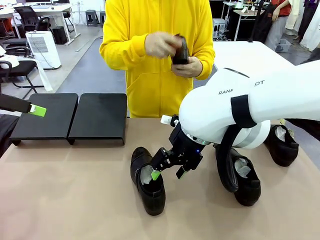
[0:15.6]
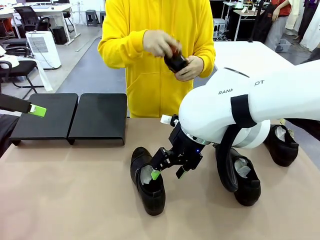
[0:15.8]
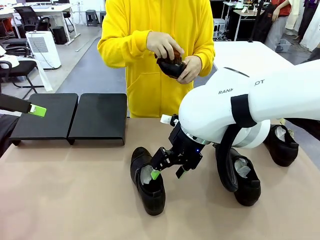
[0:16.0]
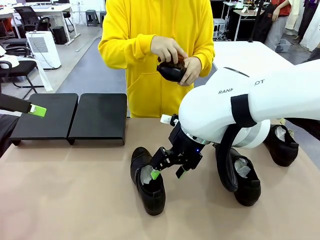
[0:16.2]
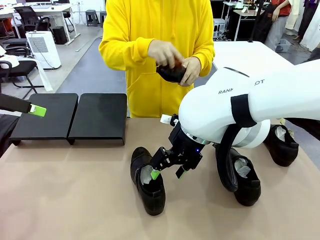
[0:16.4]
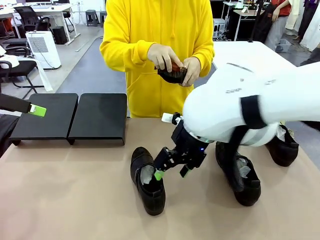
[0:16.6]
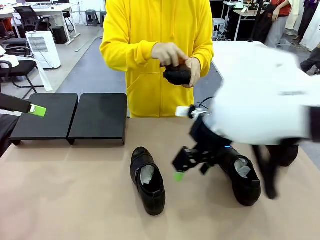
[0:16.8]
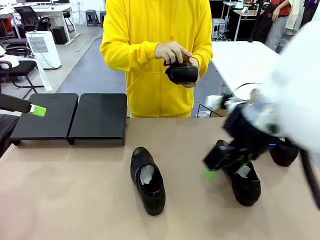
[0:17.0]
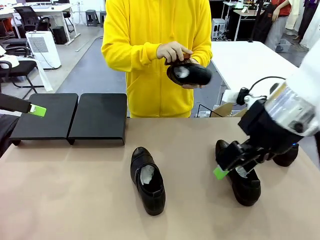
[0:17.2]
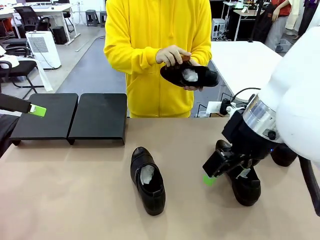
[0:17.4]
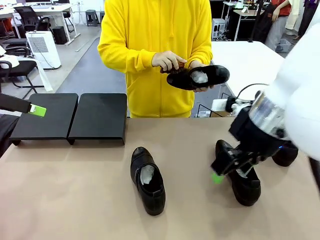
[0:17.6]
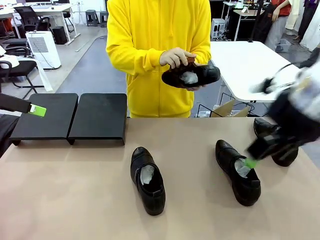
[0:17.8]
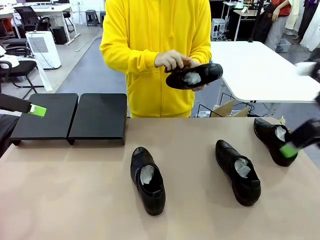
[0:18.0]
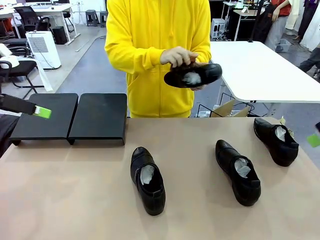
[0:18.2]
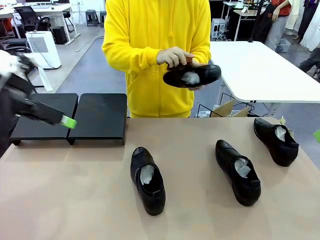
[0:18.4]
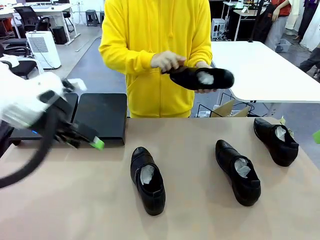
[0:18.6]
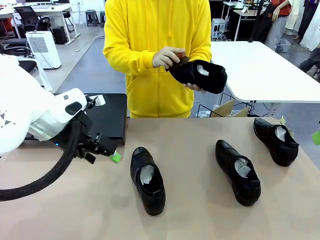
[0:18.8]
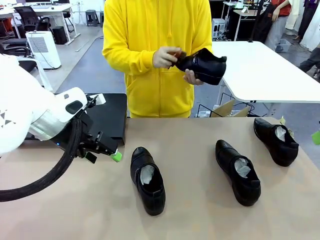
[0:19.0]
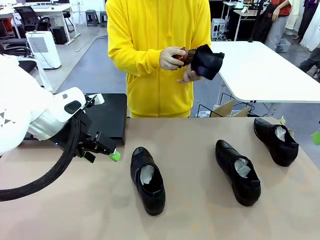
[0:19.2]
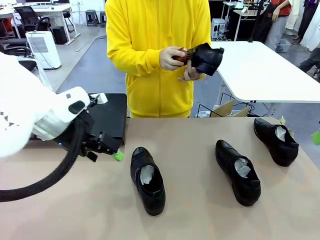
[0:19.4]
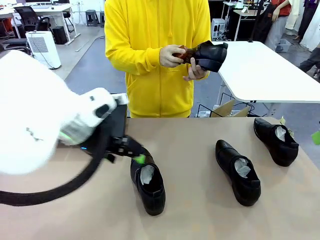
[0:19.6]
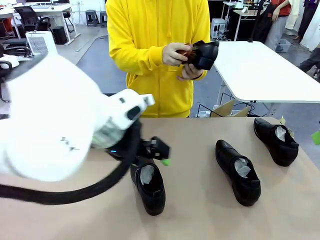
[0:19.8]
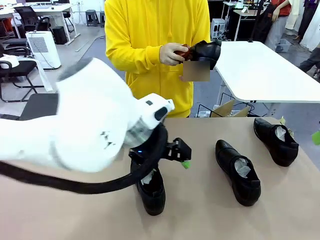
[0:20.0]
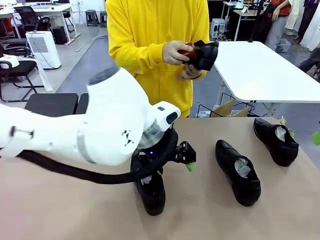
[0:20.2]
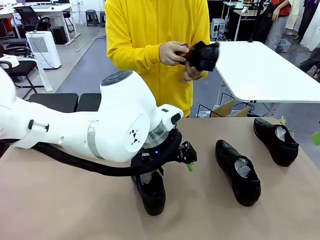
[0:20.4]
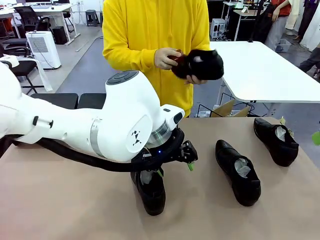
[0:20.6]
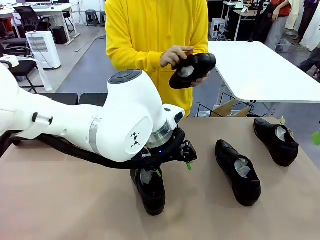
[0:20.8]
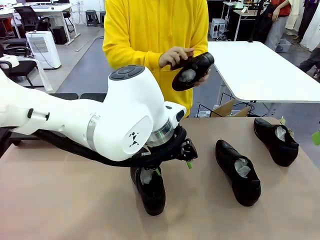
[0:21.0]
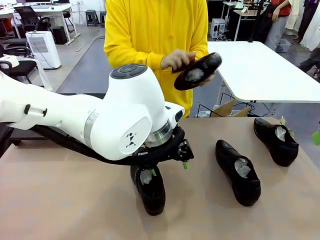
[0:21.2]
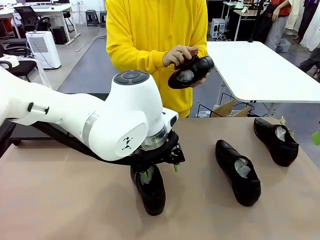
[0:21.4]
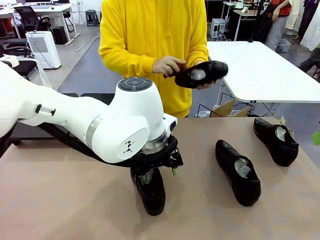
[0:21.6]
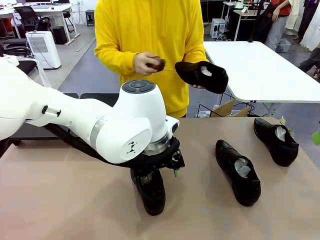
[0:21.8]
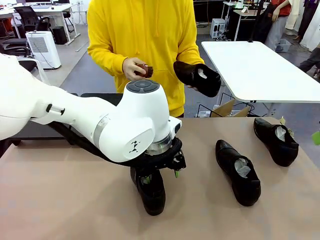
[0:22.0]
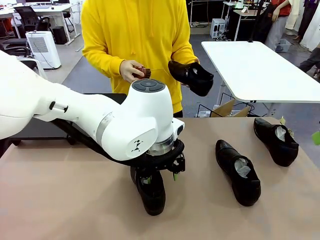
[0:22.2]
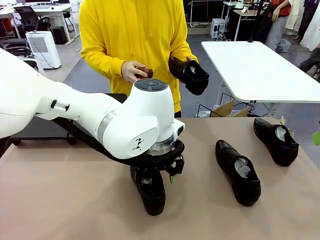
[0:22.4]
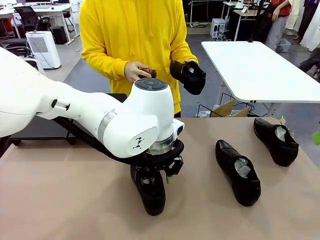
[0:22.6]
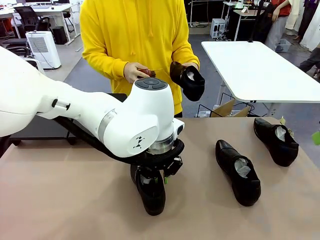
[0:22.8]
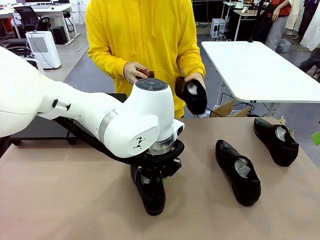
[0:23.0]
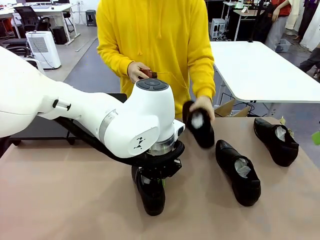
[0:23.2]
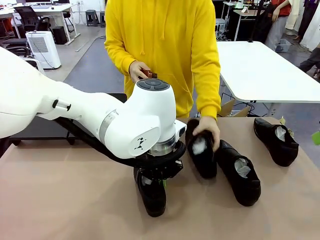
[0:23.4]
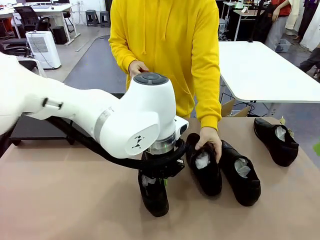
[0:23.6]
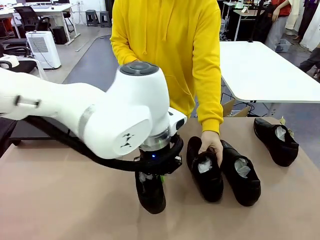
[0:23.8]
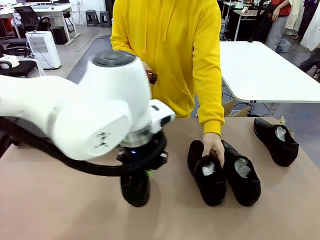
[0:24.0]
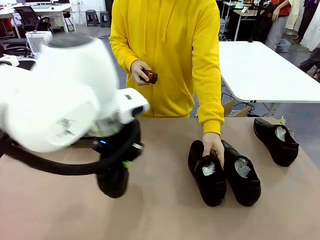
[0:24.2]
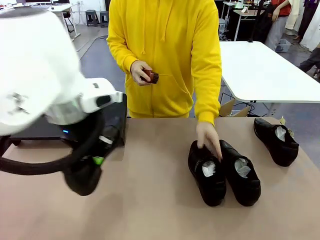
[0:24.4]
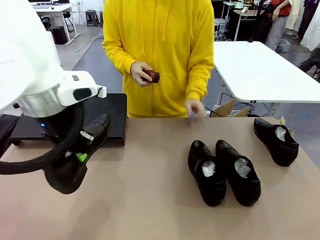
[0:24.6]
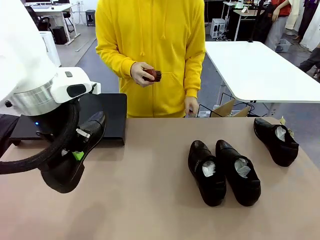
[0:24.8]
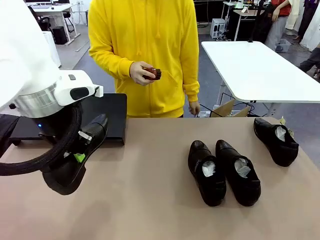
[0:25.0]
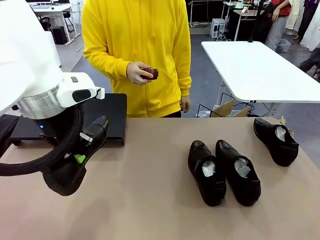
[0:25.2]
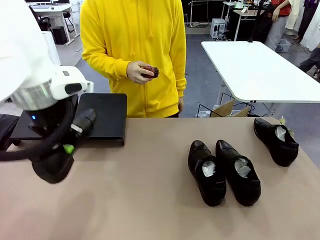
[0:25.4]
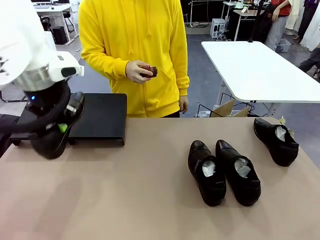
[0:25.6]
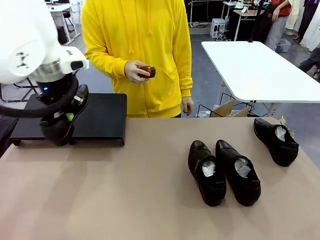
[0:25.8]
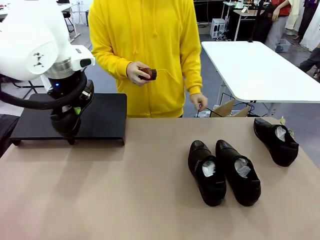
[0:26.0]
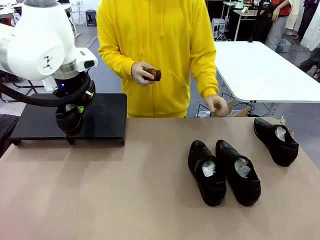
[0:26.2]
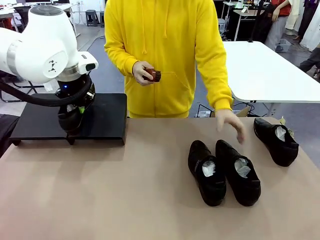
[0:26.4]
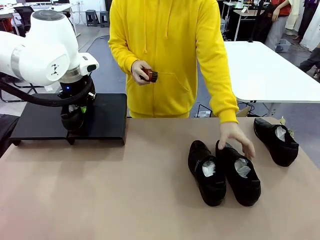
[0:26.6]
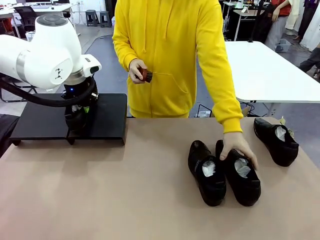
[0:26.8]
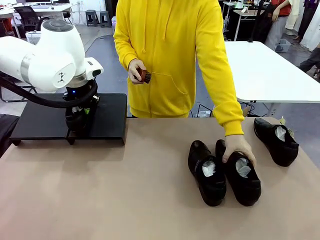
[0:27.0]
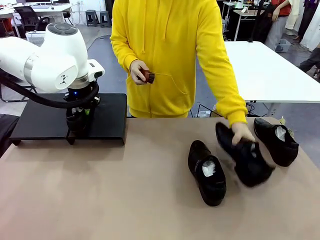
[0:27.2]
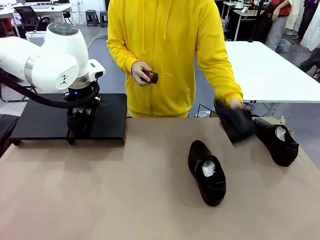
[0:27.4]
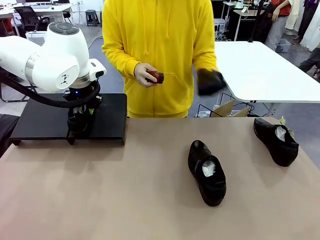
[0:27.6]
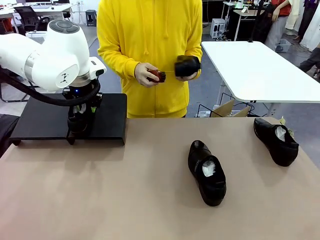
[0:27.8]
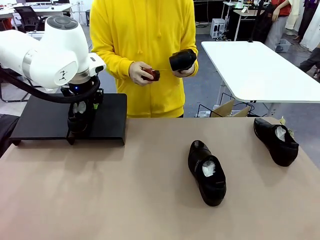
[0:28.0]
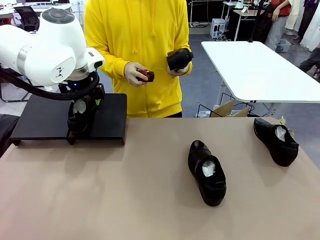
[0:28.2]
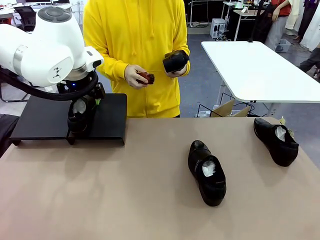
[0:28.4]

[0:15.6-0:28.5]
Task: Organize the shoes by placing them on the stand.
Robot: Place the Shoe from the middle of the table onto the Shoes Stand.
Person: Place the Shoe on left side of the Robot's table. Pick one Shoe on Robot's table.

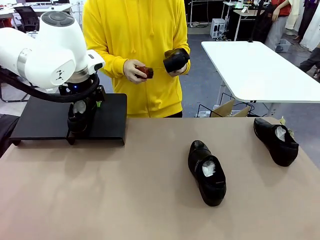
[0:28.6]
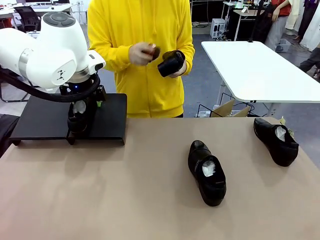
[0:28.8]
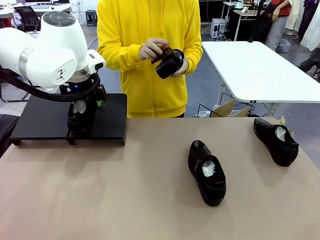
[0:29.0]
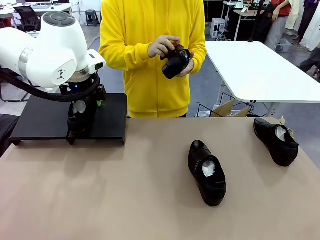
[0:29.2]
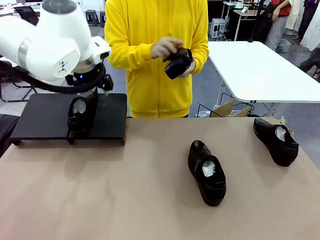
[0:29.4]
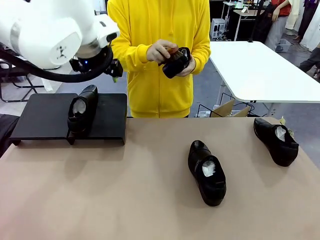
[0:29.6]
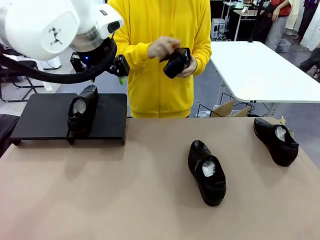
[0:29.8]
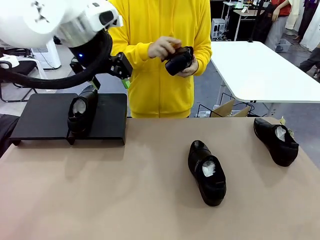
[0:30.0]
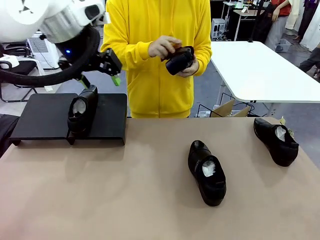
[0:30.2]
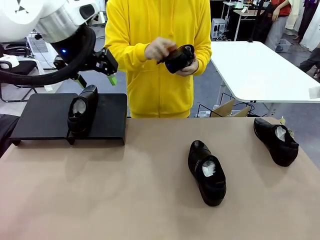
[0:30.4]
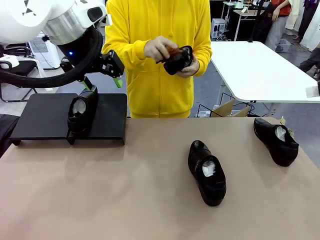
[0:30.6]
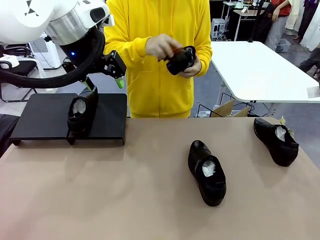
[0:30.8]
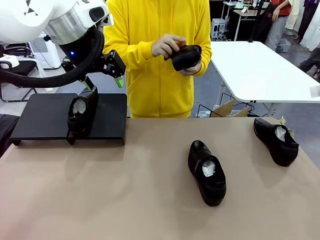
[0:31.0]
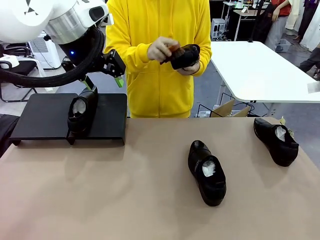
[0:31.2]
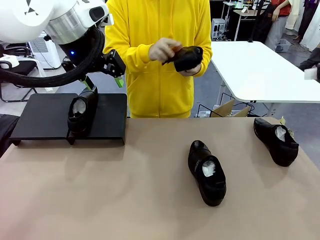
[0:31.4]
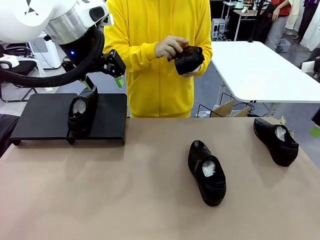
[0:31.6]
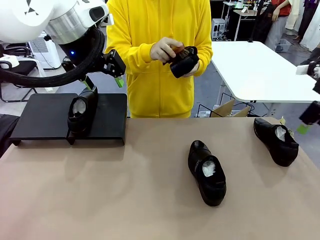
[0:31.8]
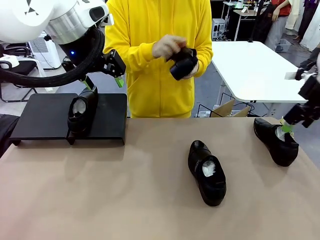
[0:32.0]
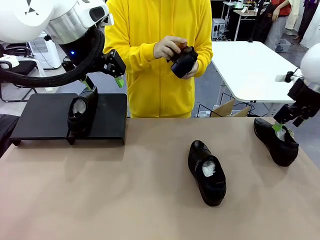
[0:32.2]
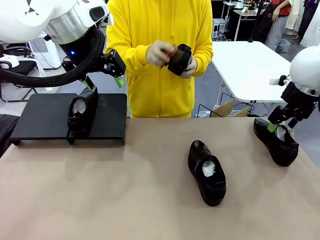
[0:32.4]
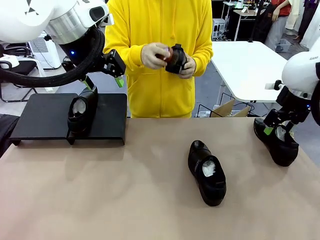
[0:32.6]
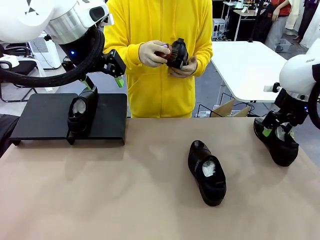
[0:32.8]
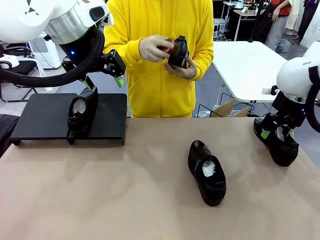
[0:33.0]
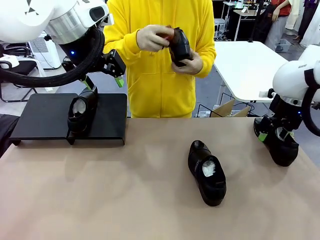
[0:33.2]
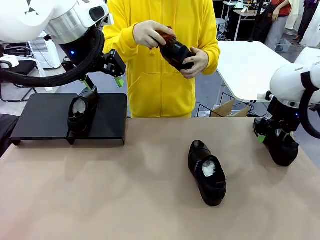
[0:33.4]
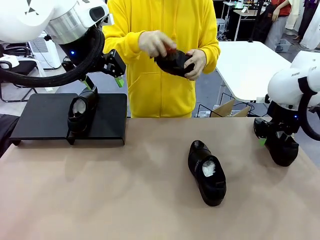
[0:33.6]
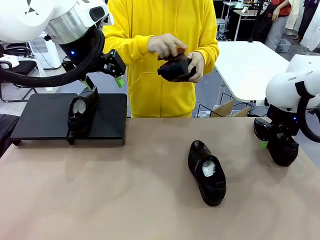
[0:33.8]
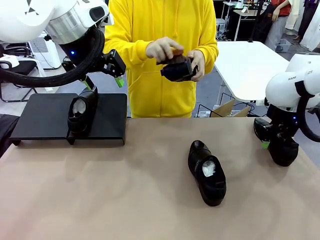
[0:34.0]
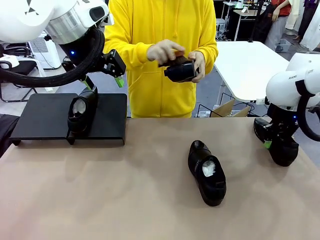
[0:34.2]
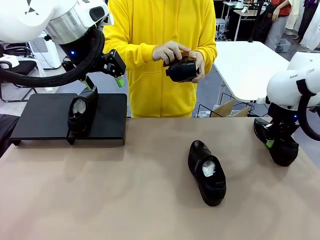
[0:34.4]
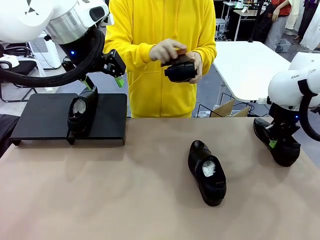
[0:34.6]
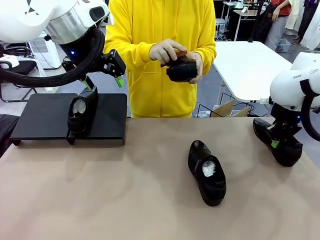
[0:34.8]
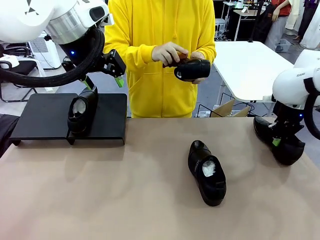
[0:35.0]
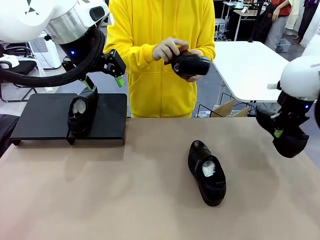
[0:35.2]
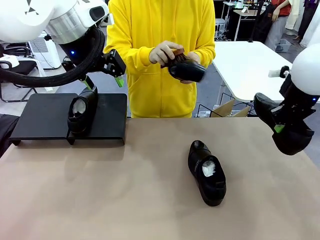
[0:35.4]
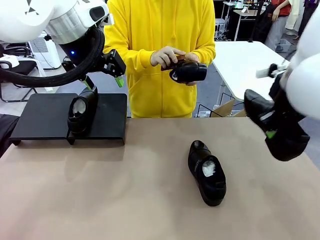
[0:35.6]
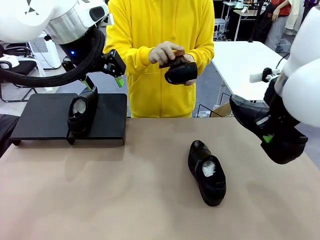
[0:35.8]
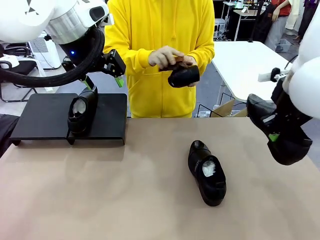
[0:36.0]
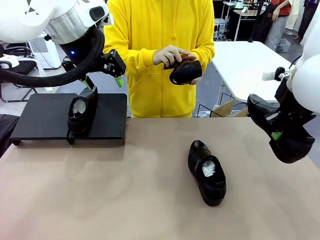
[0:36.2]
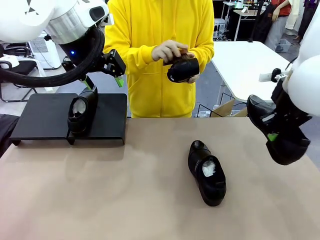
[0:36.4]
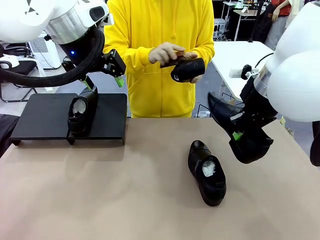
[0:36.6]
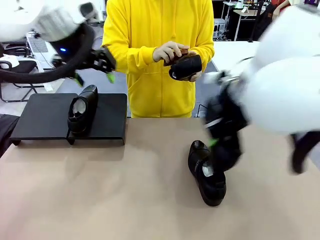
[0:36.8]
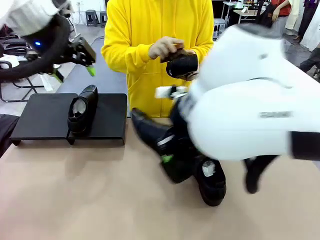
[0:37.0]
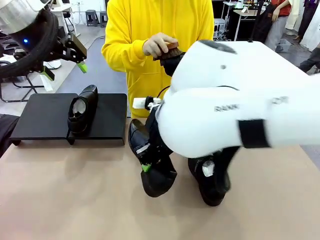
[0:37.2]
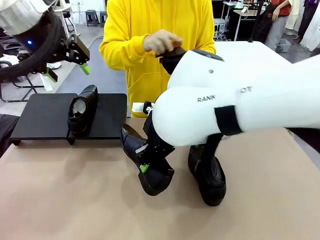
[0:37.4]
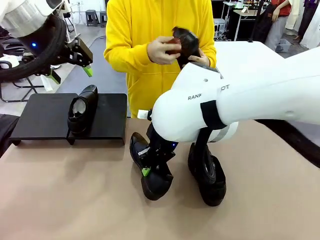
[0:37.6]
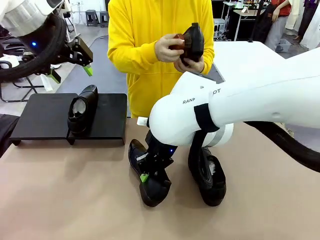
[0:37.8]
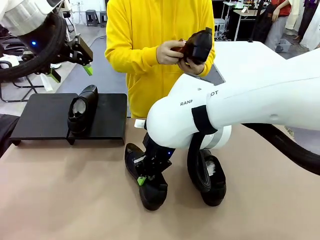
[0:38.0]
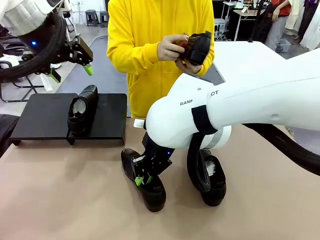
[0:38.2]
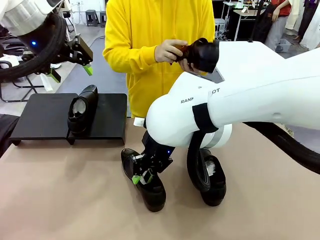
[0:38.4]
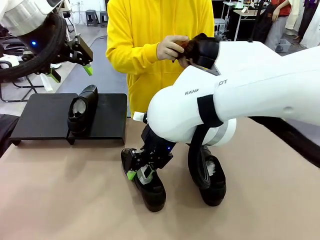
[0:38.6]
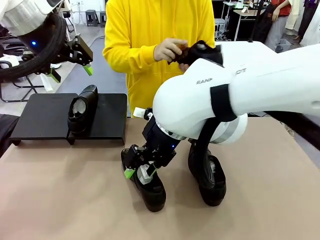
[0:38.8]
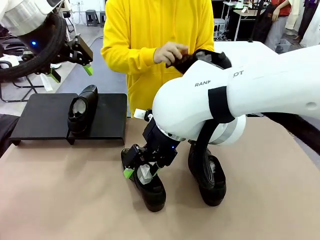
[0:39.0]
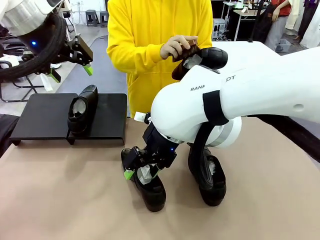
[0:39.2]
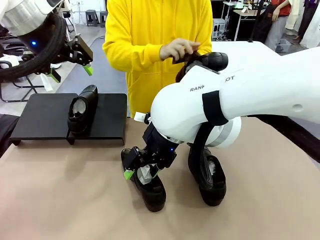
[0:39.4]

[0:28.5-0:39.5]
Robot: Pick up one Shoe and place it in the middle of the table.
Person: Clean the Shoe with the Shoe Brush.
